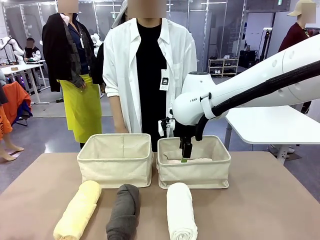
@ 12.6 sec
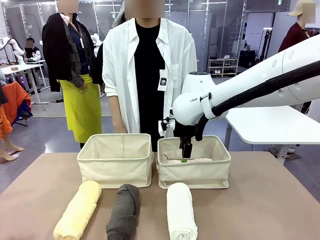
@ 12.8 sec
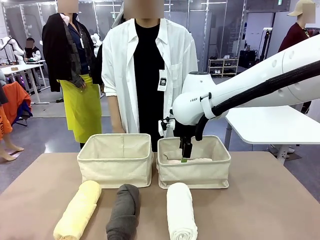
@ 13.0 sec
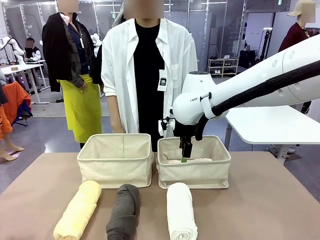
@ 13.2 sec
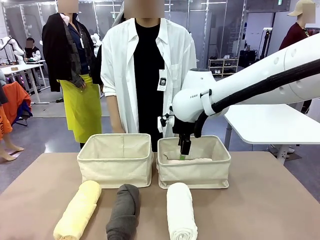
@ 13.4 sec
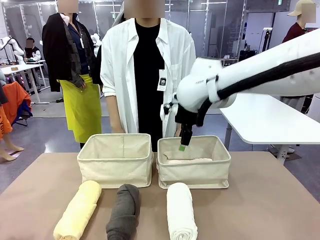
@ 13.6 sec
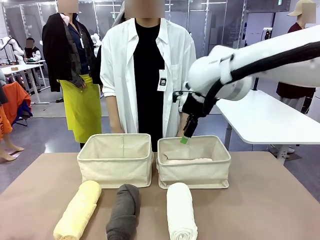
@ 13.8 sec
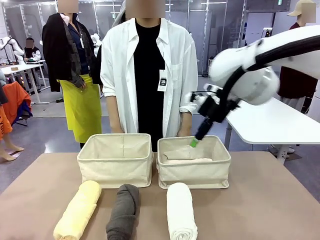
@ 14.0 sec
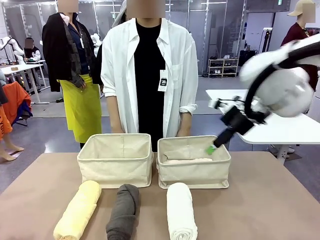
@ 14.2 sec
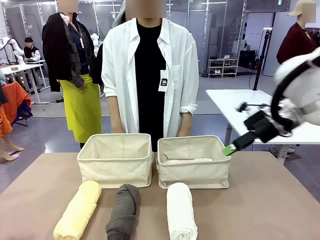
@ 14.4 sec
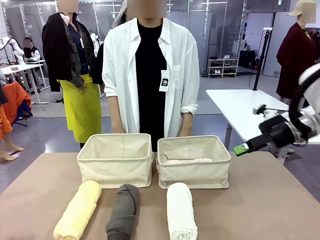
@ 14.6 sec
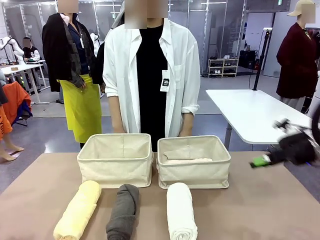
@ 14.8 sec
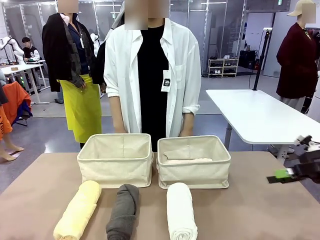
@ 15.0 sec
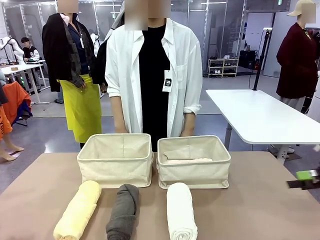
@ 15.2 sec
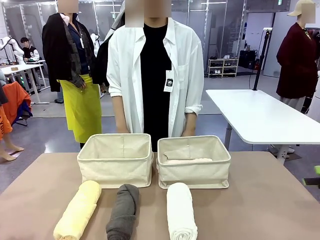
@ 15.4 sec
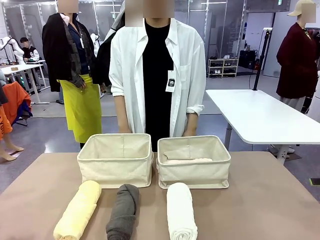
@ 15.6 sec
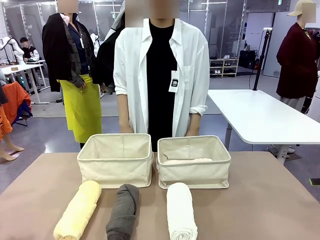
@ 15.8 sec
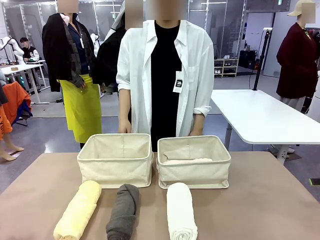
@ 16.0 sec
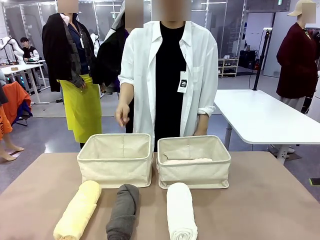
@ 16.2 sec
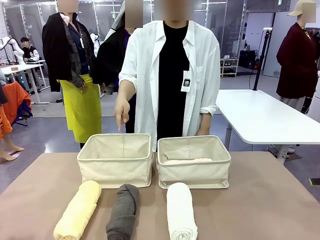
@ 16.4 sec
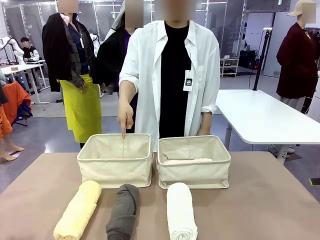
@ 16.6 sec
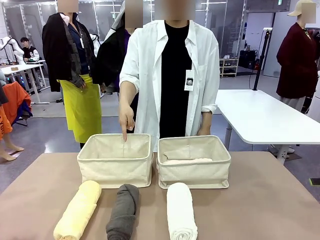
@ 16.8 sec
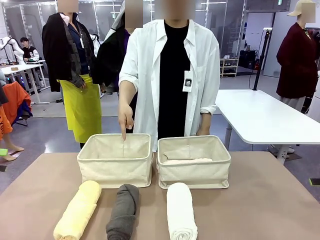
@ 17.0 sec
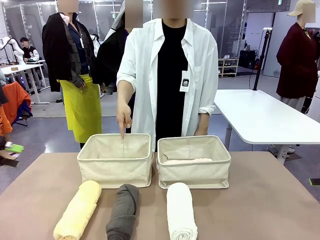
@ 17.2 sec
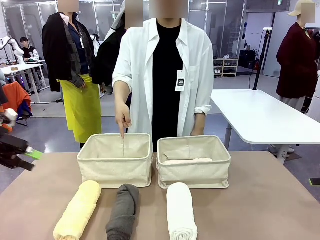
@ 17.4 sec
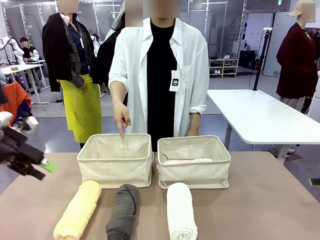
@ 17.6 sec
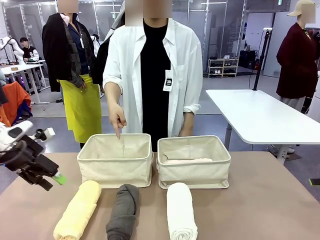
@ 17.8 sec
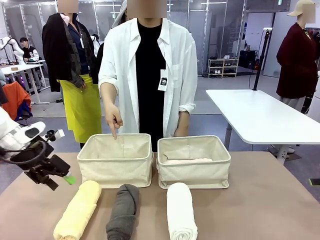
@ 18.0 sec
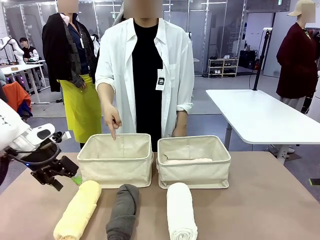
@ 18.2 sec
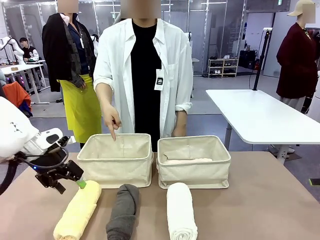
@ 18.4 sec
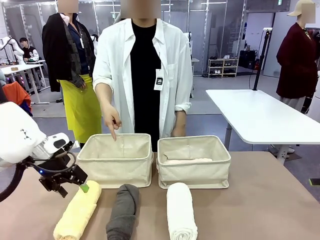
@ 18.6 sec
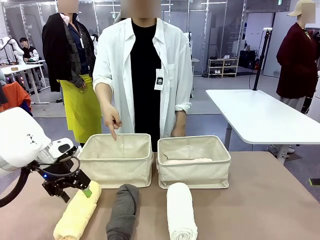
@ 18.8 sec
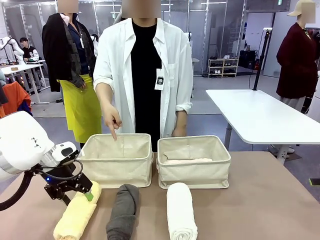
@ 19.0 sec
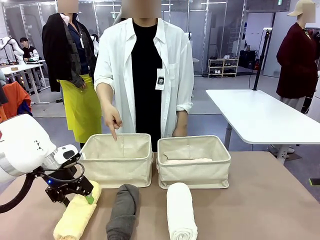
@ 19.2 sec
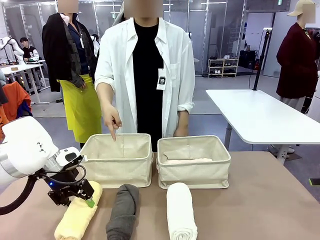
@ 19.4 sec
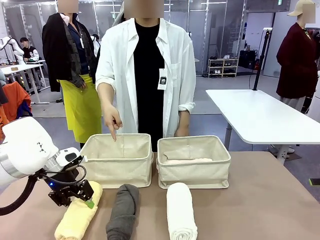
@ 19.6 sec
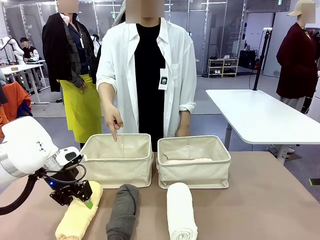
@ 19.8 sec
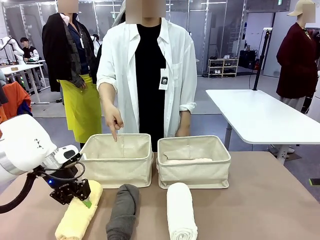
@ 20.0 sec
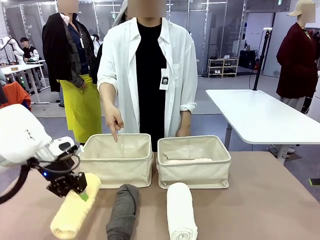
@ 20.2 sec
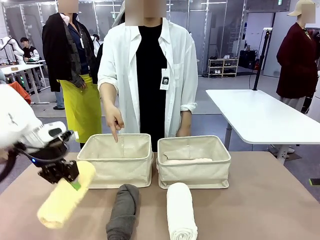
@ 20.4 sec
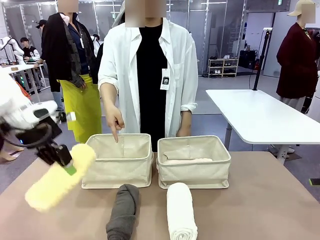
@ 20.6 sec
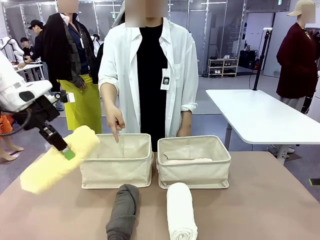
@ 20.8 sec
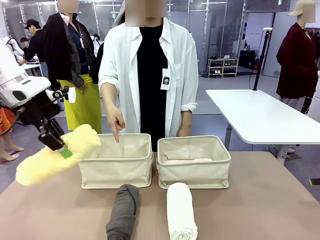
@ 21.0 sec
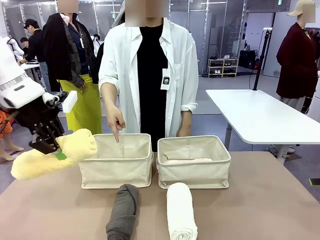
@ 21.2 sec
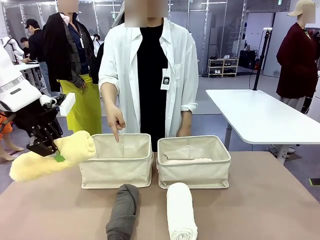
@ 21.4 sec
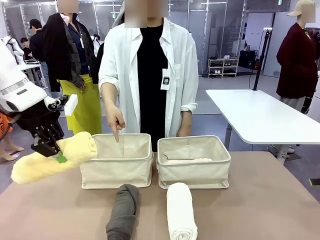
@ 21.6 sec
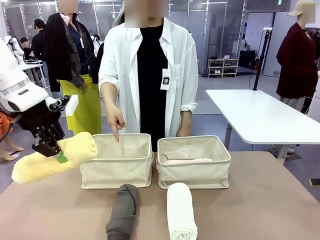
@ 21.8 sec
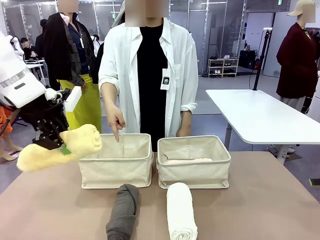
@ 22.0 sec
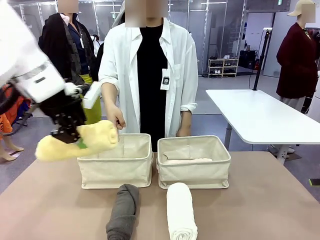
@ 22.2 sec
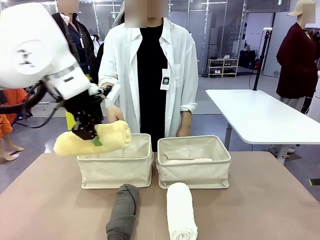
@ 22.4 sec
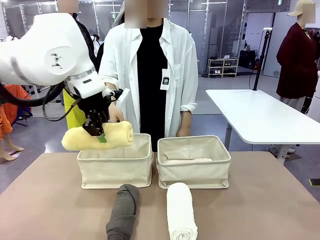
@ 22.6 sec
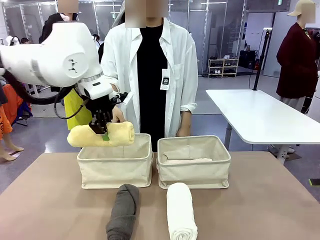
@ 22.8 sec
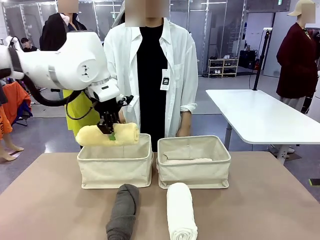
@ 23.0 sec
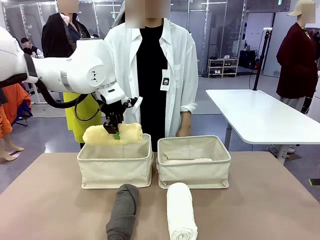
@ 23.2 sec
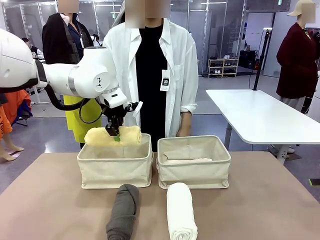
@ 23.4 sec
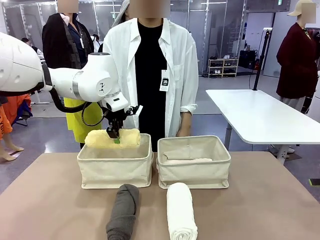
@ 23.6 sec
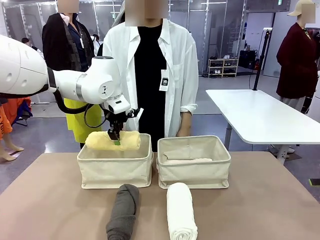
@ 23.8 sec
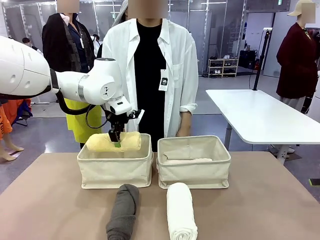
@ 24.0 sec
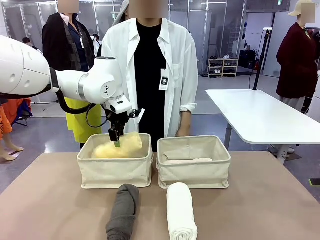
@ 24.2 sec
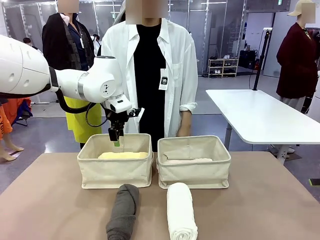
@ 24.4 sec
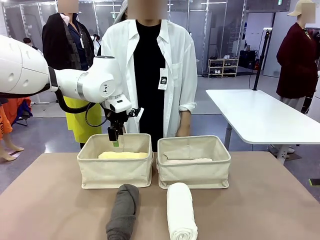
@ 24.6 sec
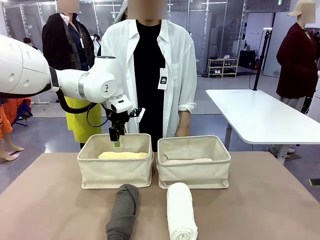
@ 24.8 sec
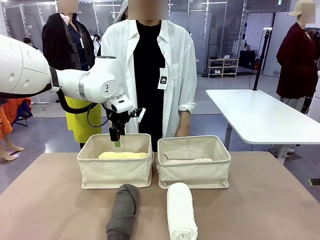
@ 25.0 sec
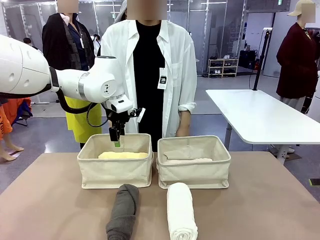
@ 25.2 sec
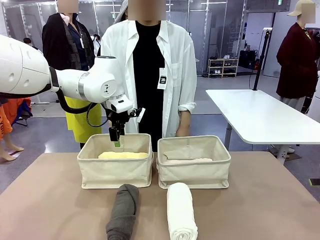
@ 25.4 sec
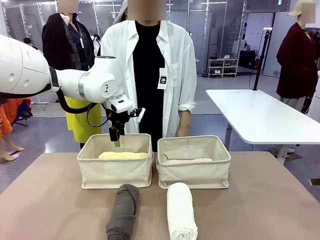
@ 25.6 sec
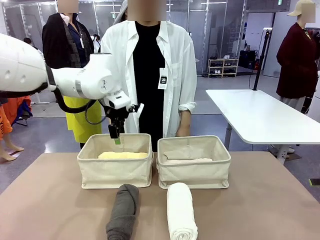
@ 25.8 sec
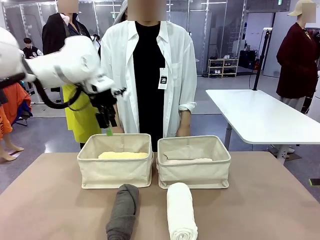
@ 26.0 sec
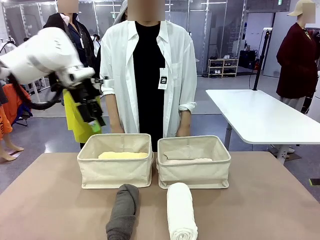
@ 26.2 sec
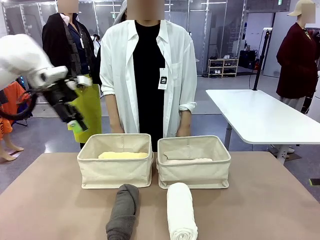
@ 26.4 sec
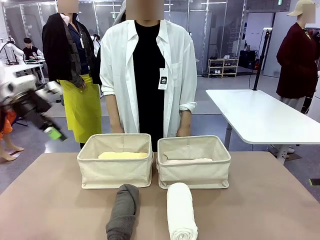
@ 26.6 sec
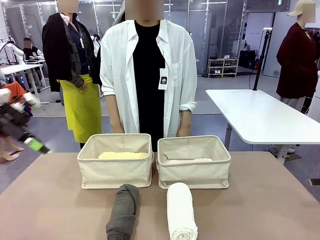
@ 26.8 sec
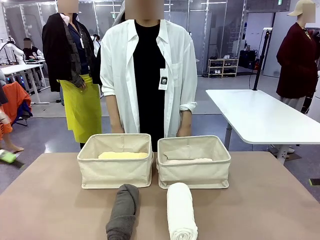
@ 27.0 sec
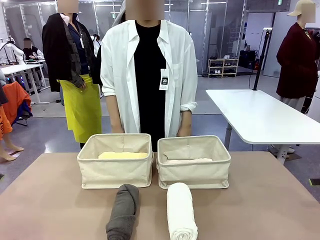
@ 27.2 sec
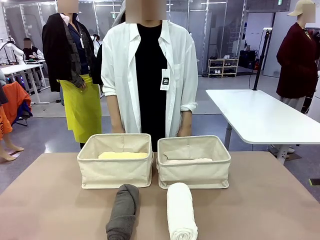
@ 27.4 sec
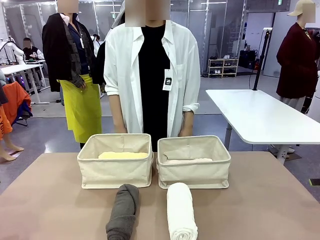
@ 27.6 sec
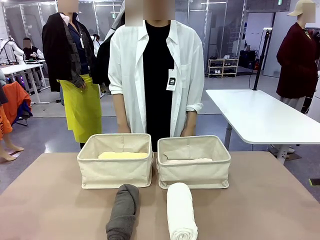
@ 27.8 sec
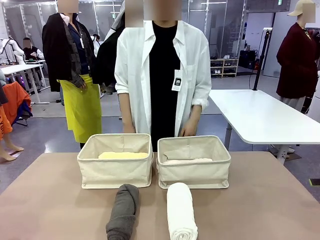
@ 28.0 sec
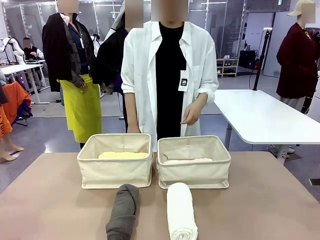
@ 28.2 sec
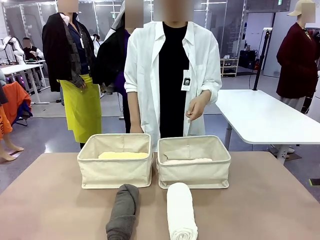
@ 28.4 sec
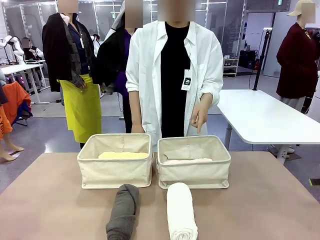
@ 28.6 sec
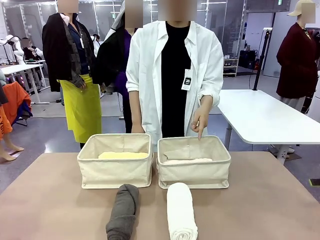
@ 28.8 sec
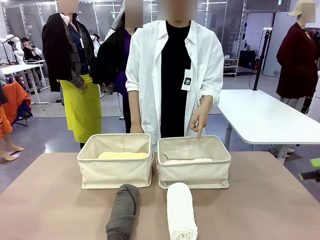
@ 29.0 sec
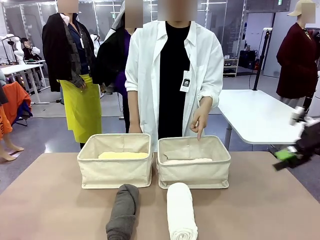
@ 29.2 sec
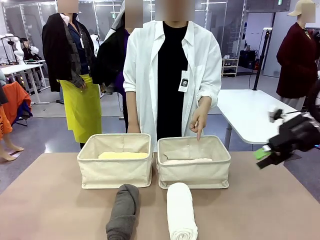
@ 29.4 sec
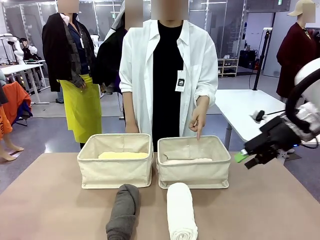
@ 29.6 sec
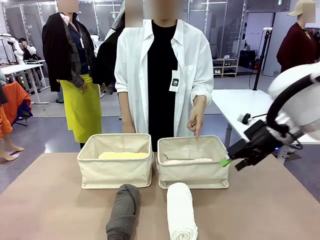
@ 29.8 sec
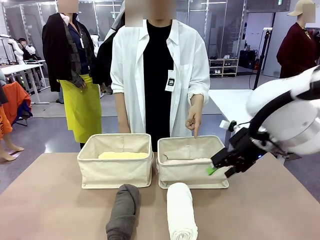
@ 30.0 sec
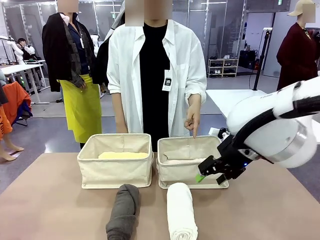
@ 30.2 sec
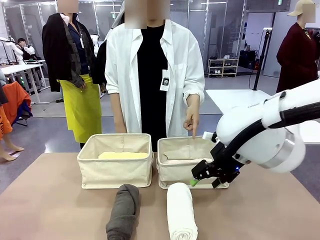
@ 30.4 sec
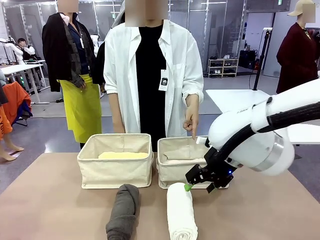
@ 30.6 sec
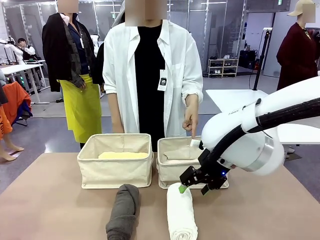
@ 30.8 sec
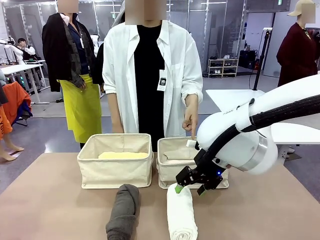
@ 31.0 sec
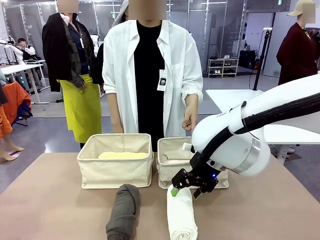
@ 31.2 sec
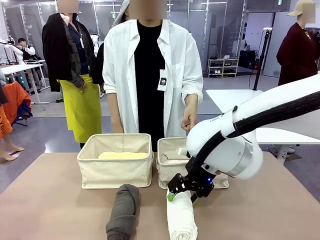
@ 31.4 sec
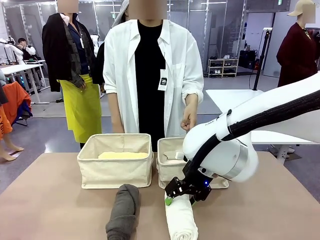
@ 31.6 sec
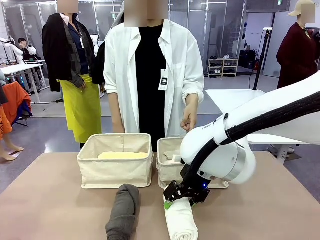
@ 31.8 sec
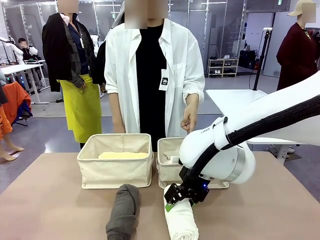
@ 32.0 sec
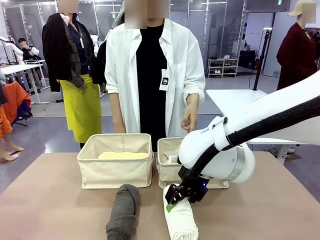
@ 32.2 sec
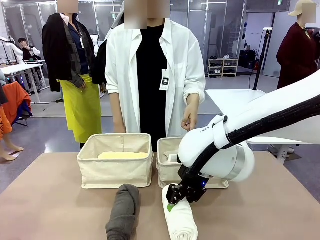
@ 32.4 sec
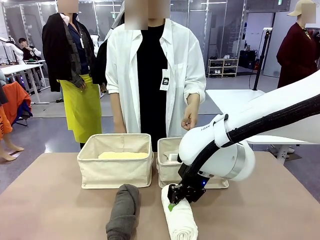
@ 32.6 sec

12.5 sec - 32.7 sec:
Task: Divide the towels into two baskets.
Robot: Pick up one hotel-folded towel from the bottom of the table and place it in the Fabric basket indicated by the person.
